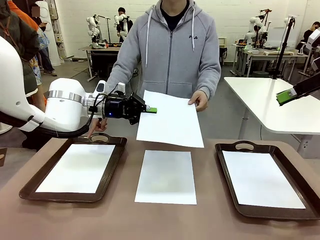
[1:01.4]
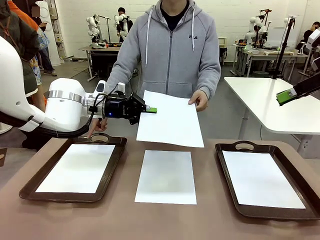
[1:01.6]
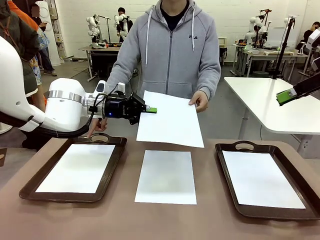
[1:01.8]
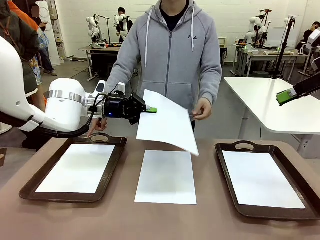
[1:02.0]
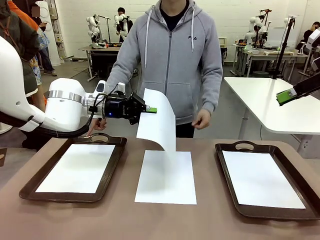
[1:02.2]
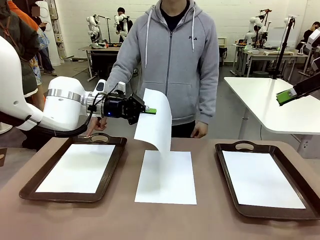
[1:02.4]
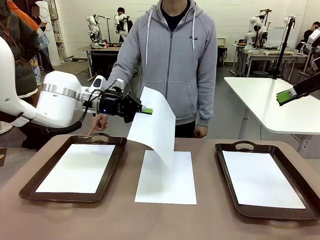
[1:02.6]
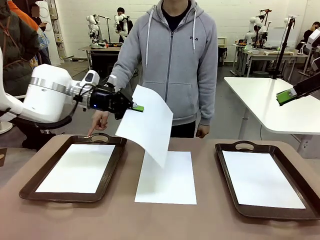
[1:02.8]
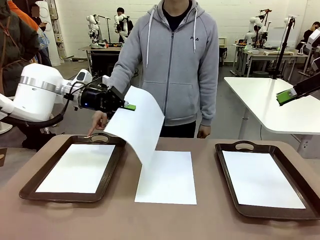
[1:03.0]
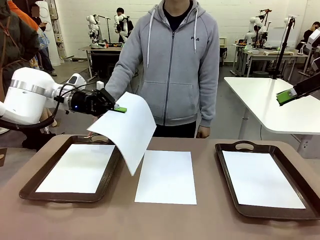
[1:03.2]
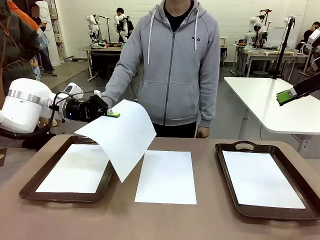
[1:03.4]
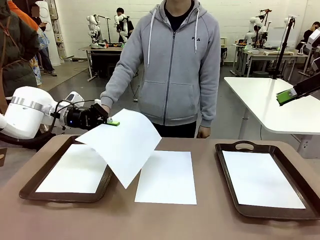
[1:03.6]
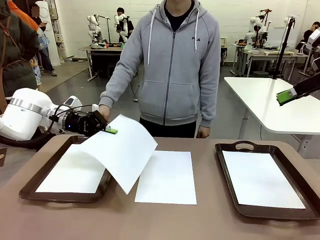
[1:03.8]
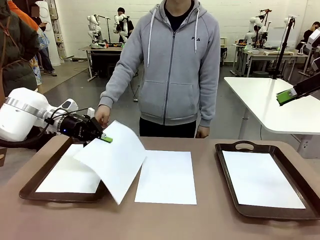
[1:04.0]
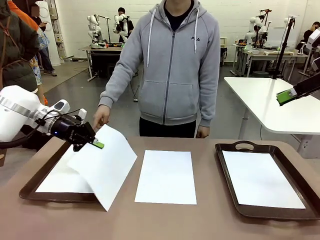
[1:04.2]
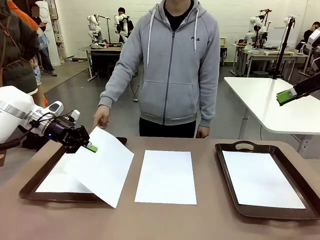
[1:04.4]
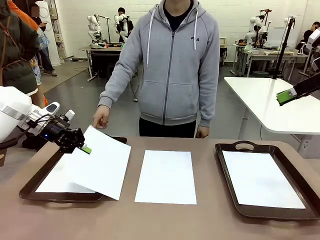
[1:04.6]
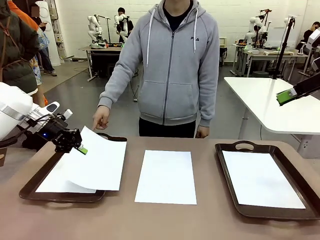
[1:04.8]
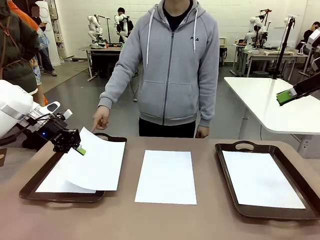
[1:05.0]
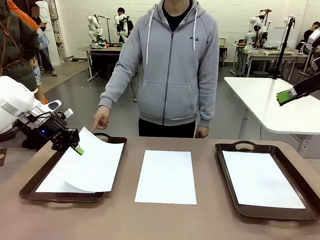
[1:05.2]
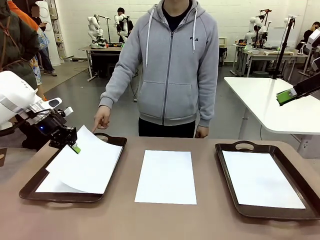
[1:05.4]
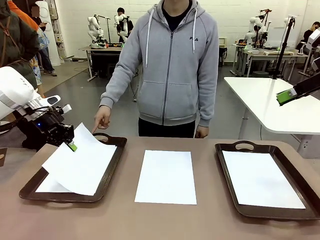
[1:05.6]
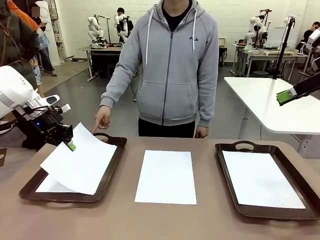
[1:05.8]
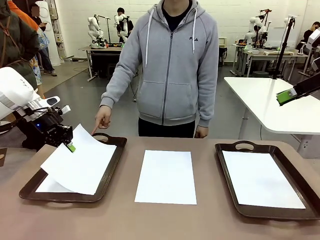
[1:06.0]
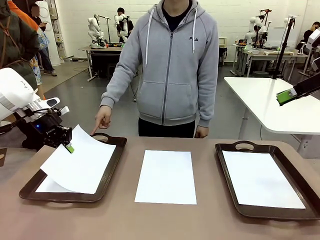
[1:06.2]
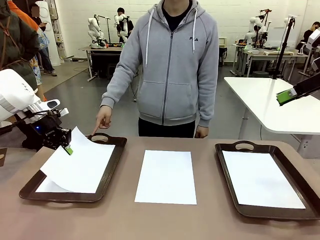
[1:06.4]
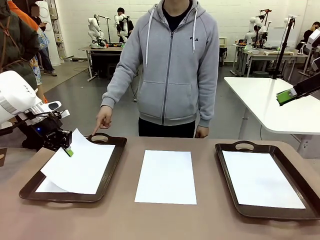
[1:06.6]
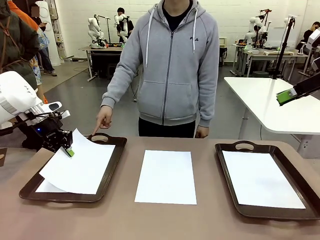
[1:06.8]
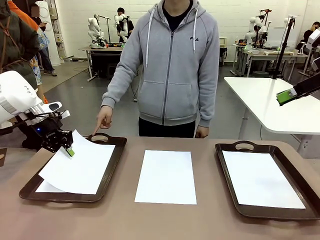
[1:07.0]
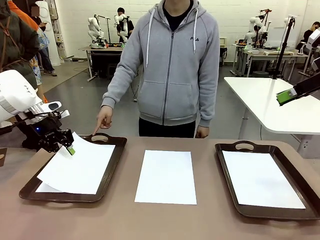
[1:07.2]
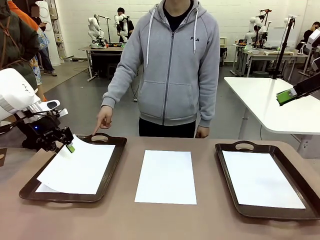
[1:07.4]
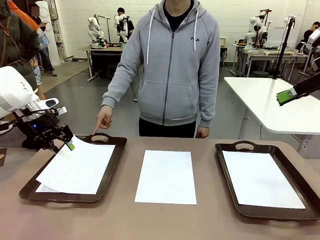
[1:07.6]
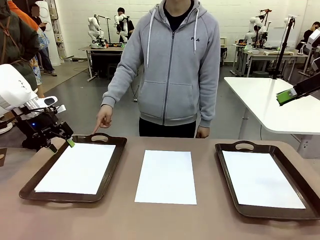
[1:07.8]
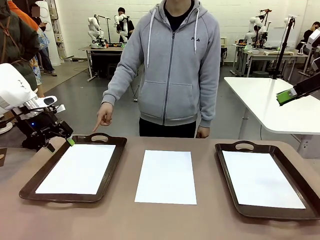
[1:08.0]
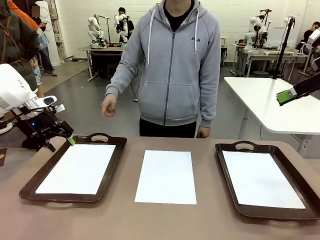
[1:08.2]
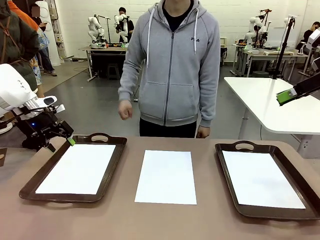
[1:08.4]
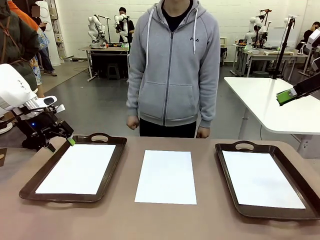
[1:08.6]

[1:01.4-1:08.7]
Task: Sort the A4 documents.
Robot: Place the A4 Paper in the designated Handle tray.

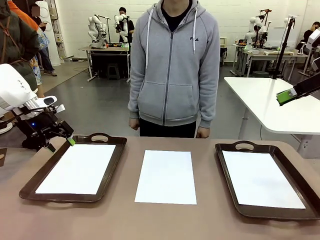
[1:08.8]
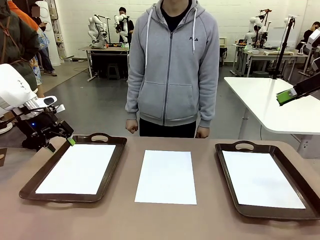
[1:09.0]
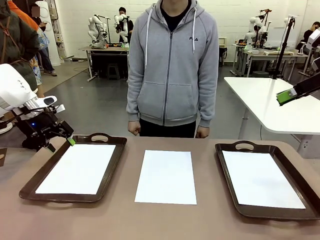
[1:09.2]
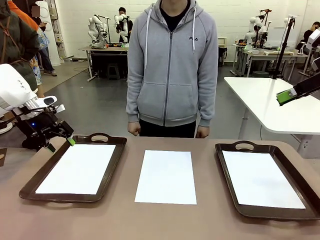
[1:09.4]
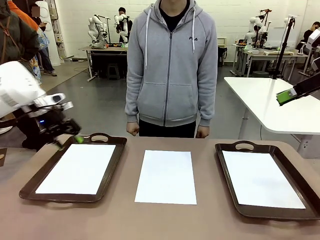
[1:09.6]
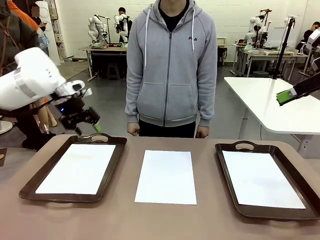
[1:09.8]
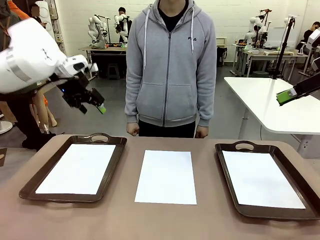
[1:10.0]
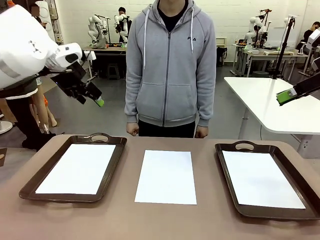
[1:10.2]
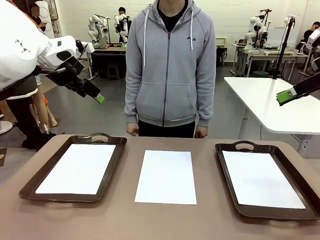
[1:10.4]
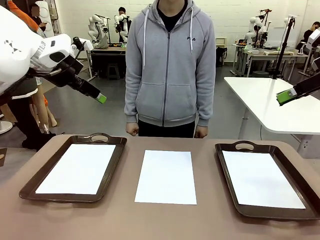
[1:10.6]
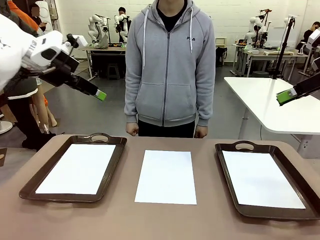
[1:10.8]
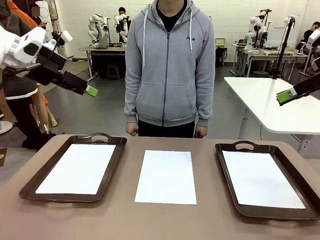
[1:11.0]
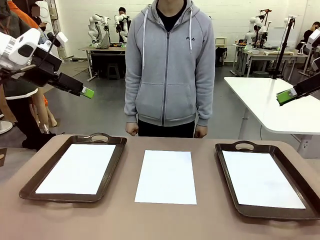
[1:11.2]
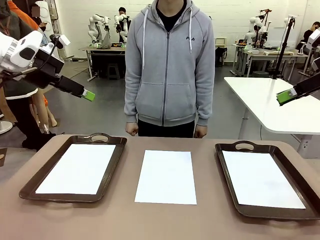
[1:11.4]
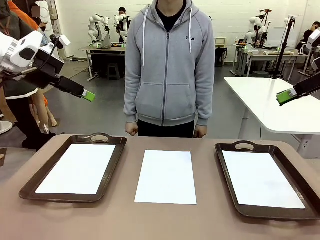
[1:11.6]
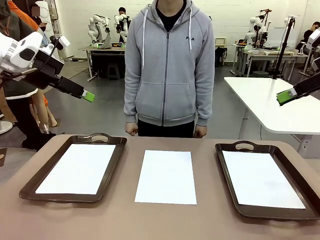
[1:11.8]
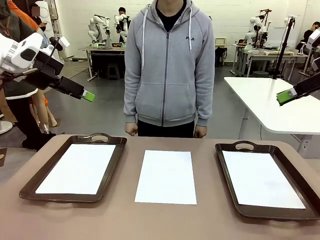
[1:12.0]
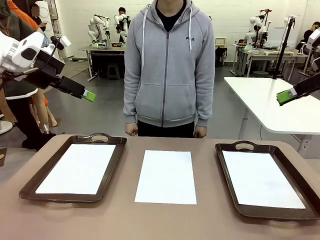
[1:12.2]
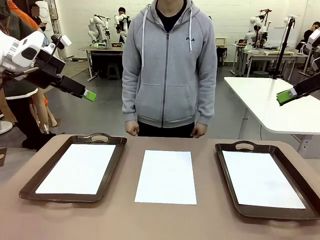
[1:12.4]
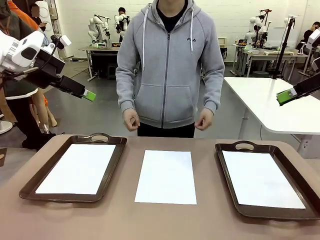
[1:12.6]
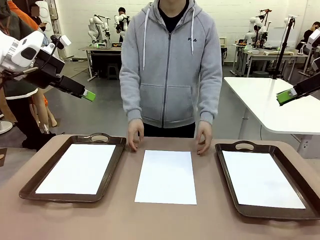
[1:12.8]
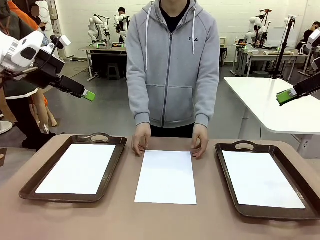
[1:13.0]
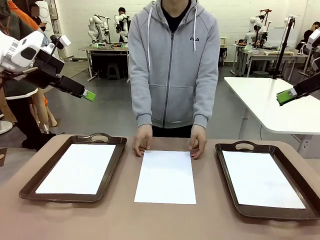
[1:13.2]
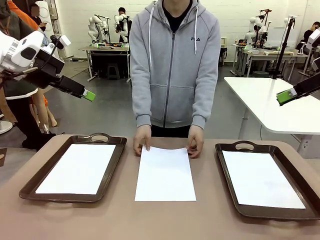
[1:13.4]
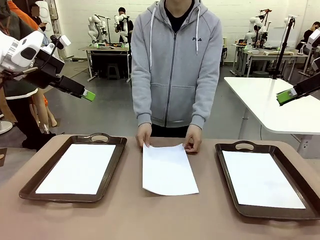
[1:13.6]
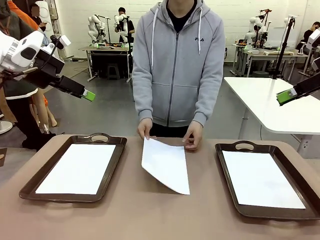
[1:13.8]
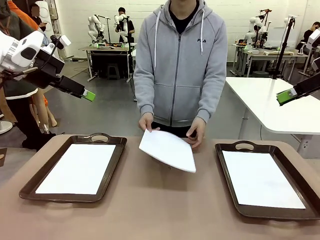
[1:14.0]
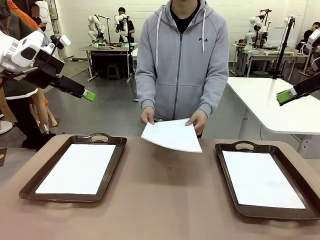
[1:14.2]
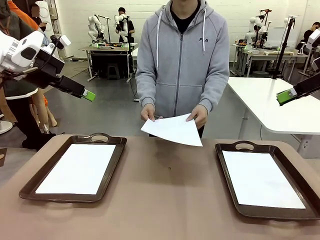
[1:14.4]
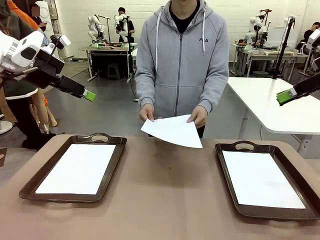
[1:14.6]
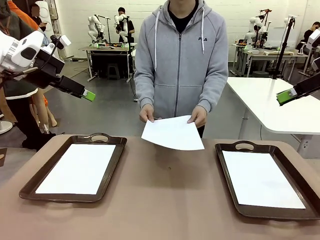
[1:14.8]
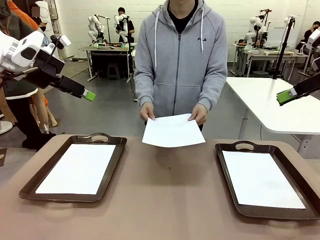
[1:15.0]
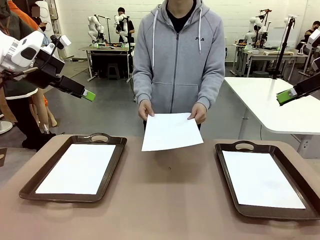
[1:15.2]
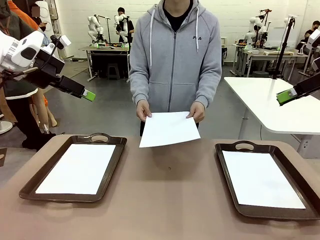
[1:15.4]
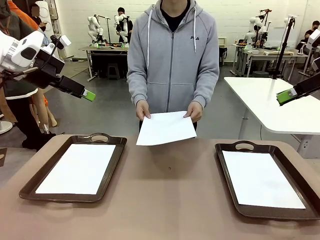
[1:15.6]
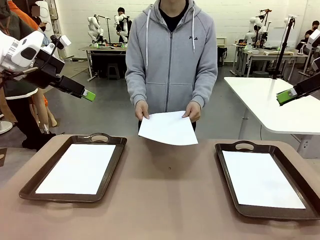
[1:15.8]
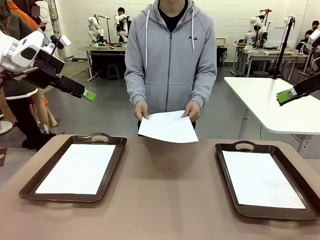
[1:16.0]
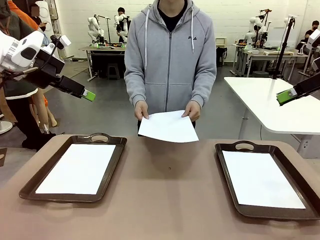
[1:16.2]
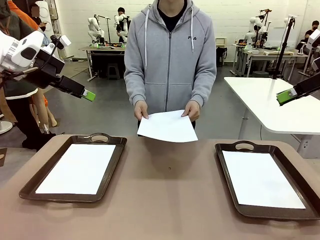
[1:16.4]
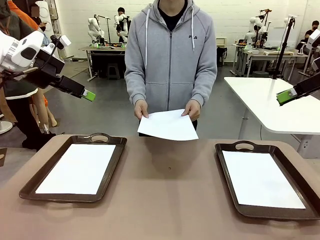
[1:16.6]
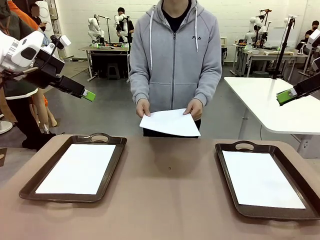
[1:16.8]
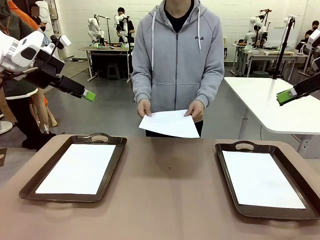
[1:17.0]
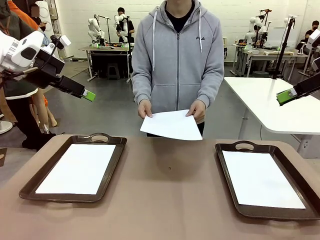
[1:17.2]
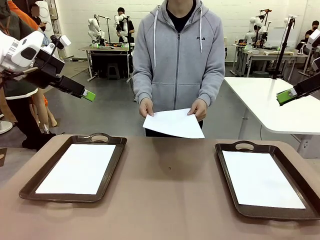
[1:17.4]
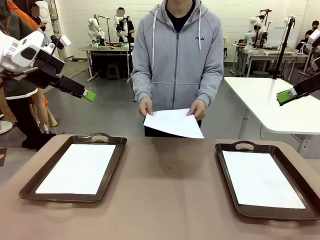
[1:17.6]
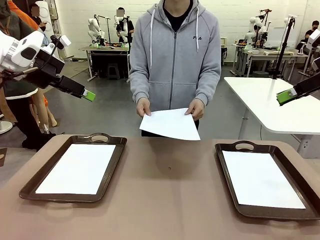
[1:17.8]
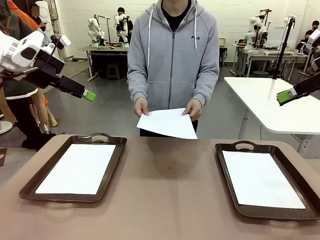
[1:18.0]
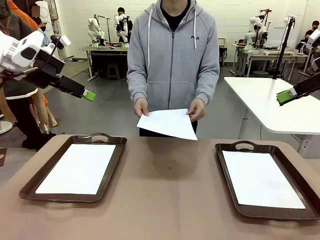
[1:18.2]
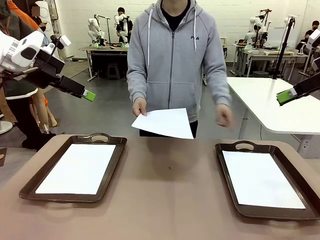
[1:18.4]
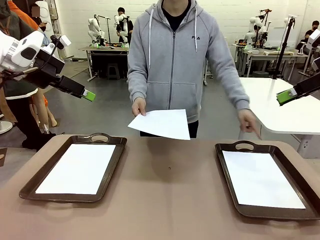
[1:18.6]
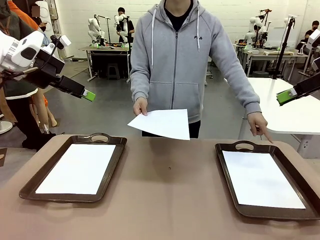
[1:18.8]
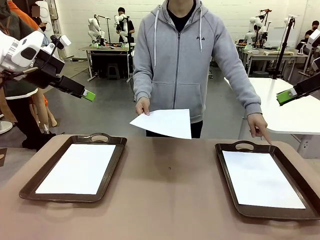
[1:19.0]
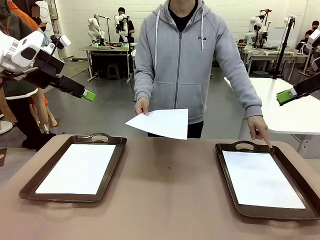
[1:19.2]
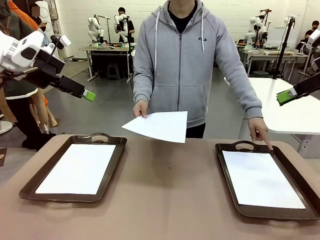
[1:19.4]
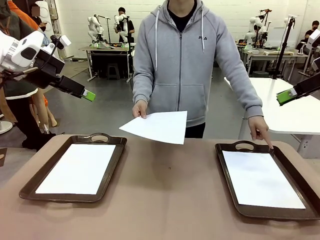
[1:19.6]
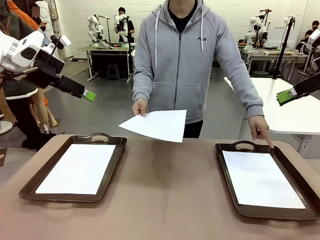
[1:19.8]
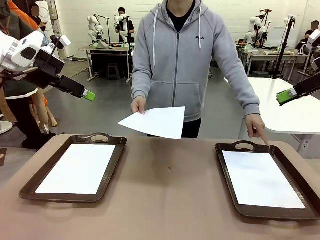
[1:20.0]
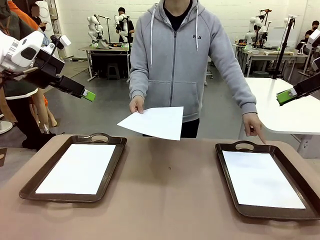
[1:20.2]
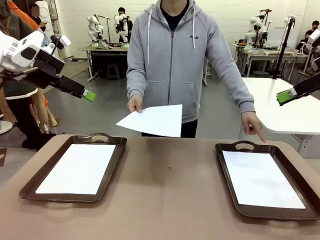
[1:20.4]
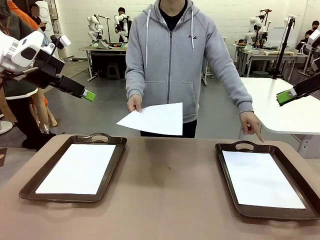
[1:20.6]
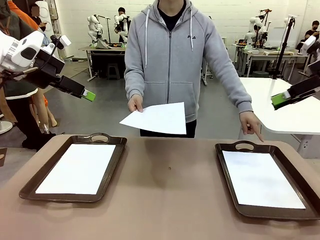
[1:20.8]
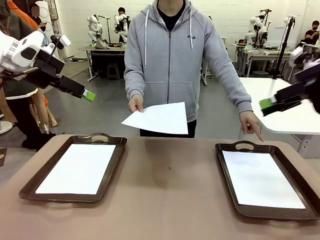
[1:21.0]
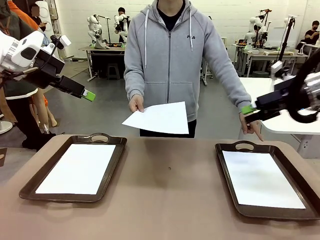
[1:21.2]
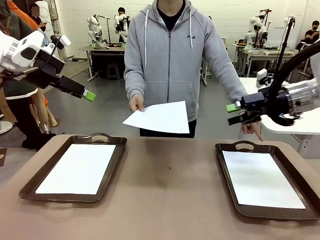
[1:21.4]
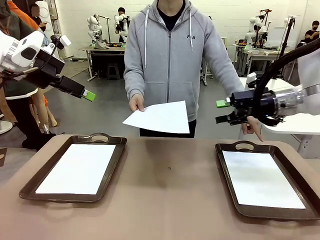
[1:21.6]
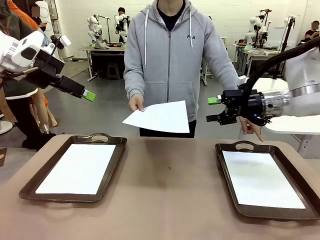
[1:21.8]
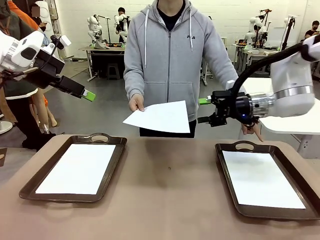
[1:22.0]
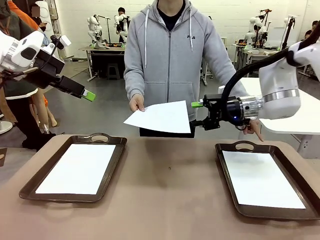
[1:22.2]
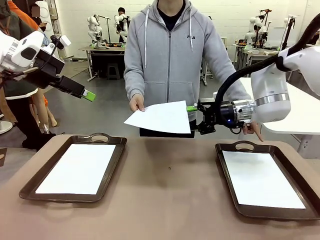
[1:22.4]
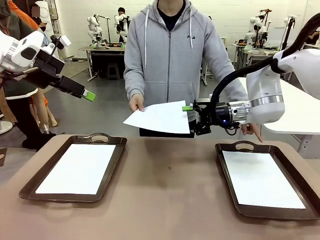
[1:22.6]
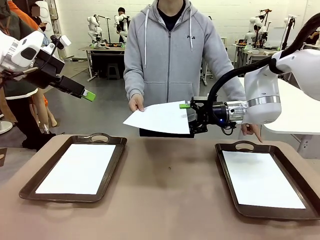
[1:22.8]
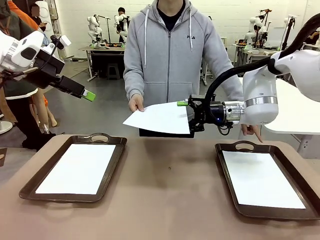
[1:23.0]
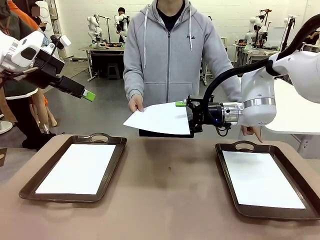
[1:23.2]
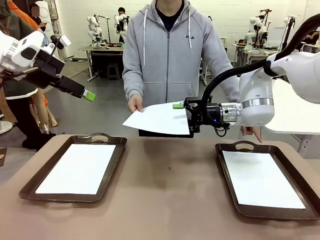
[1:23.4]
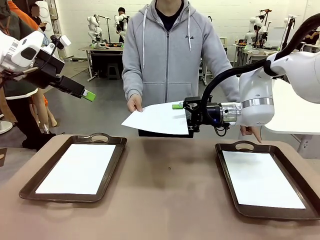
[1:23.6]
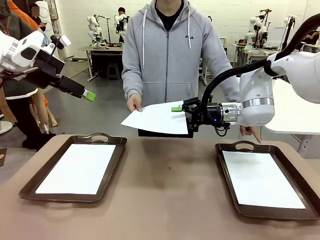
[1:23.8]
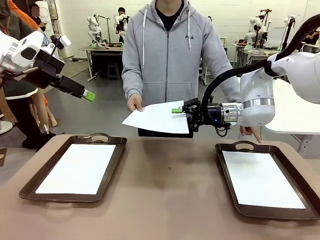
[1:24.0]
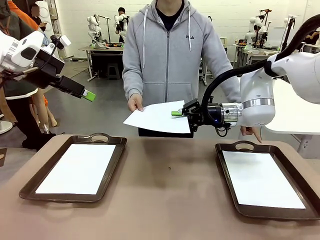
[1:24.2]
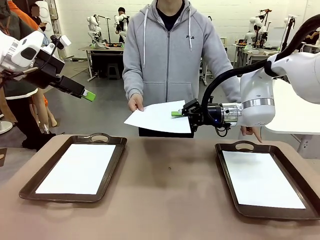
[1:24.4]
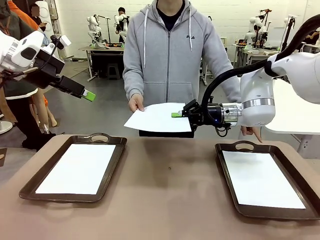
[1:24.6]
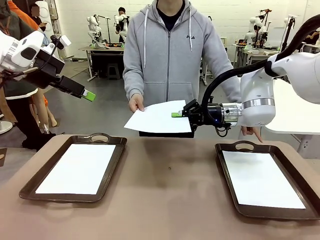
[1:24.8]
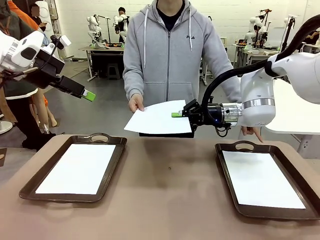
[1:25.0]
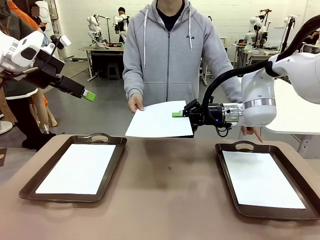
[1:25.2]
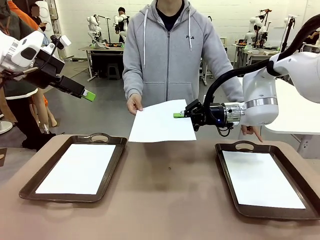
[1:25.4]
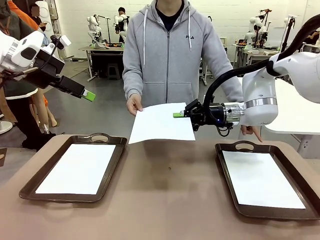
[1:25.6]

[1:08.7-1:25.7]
Robot: Receive the A4 Paper.
Person: Point the randomly selected tray with the other hand.
